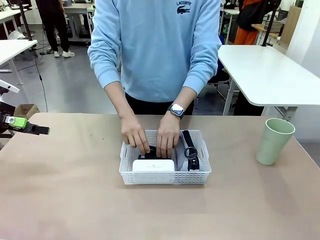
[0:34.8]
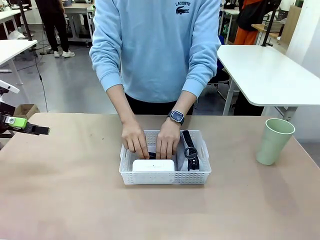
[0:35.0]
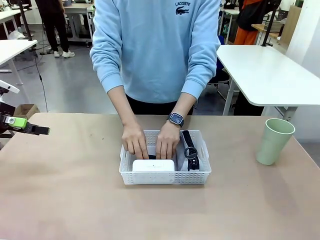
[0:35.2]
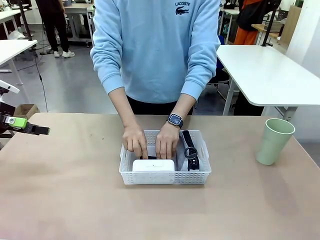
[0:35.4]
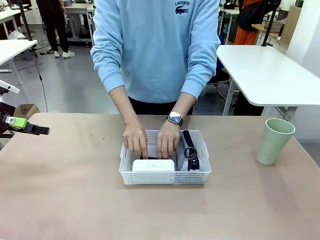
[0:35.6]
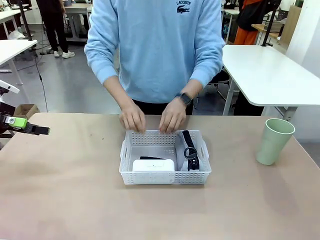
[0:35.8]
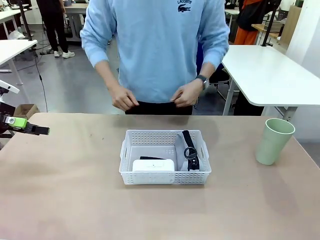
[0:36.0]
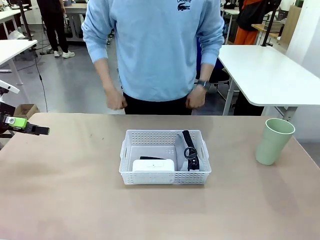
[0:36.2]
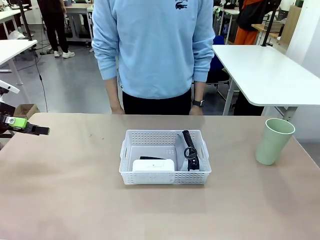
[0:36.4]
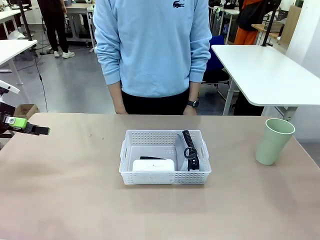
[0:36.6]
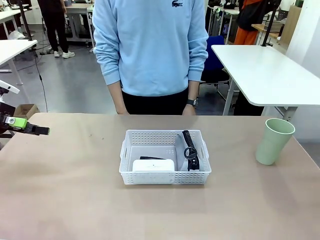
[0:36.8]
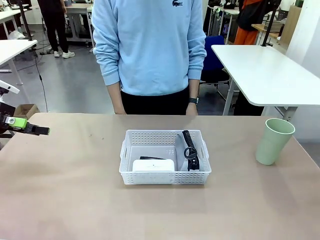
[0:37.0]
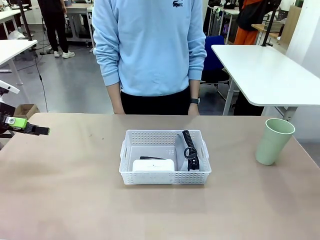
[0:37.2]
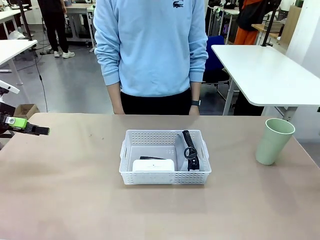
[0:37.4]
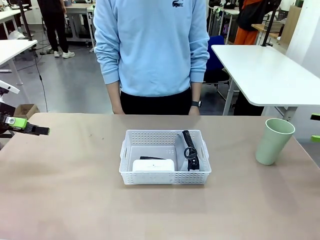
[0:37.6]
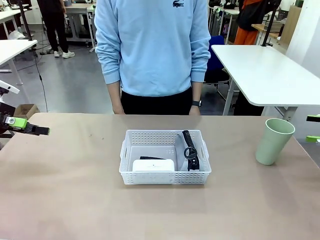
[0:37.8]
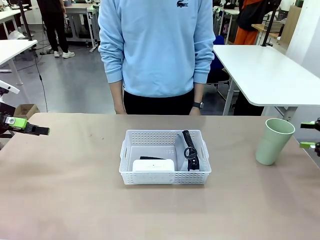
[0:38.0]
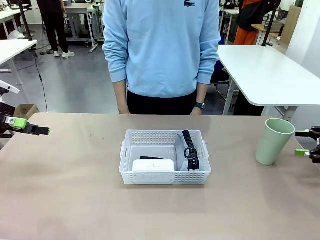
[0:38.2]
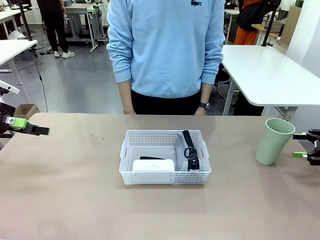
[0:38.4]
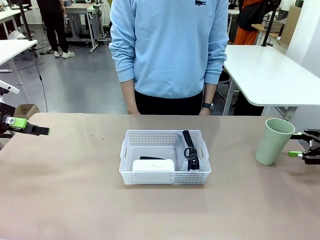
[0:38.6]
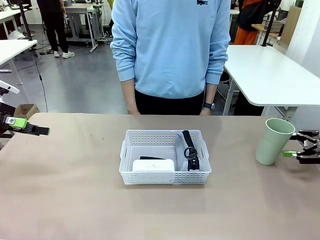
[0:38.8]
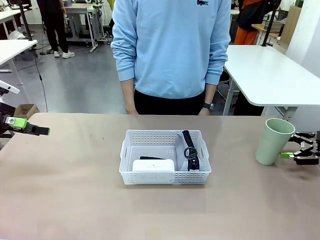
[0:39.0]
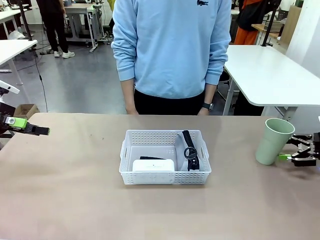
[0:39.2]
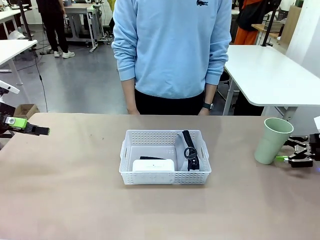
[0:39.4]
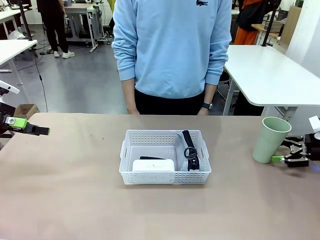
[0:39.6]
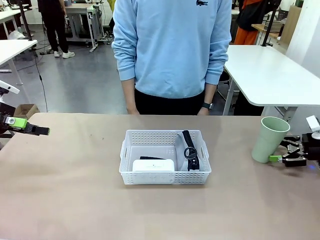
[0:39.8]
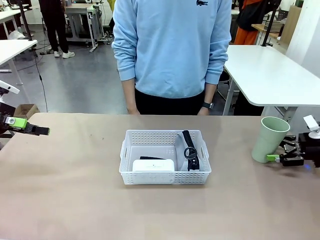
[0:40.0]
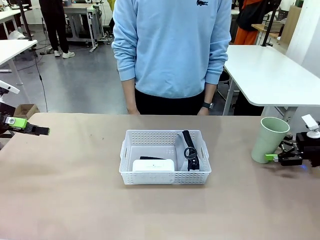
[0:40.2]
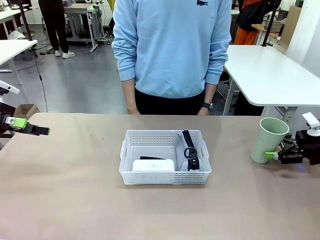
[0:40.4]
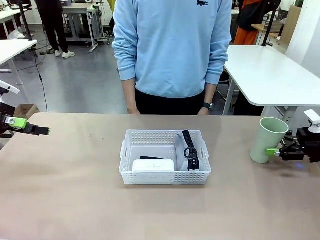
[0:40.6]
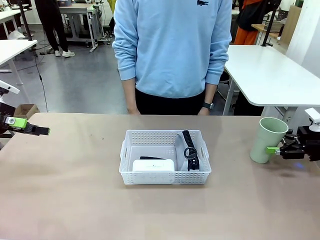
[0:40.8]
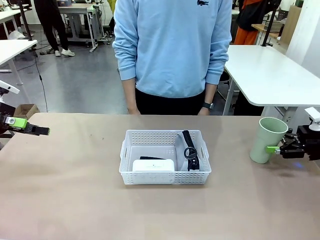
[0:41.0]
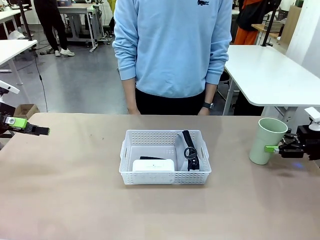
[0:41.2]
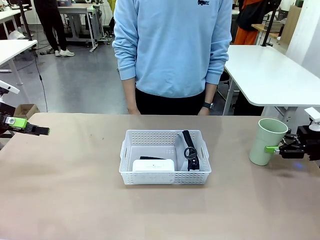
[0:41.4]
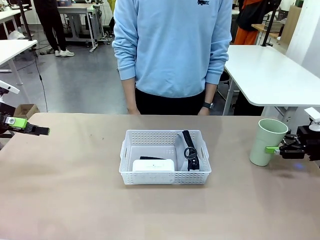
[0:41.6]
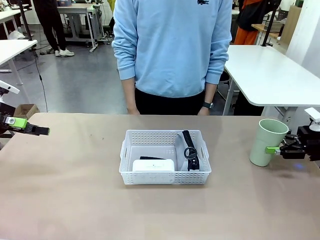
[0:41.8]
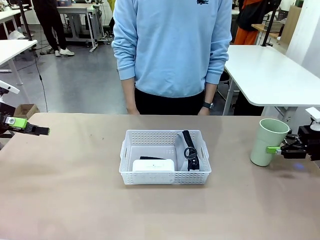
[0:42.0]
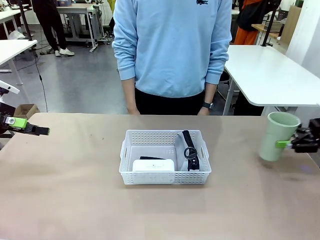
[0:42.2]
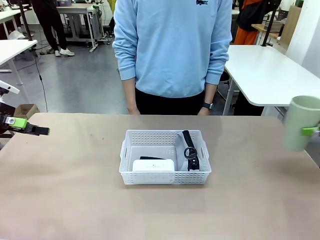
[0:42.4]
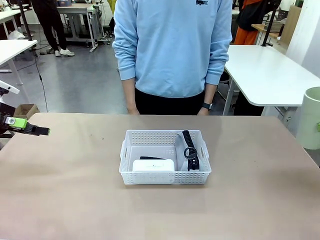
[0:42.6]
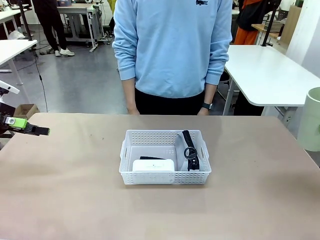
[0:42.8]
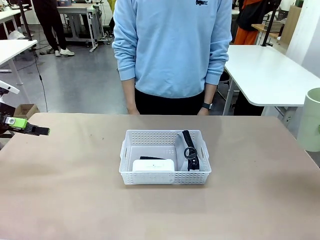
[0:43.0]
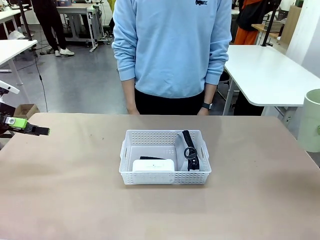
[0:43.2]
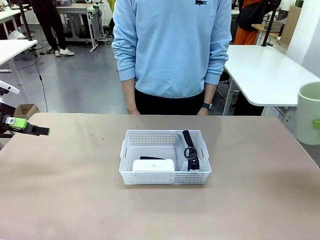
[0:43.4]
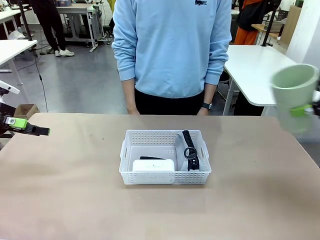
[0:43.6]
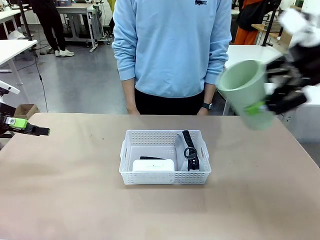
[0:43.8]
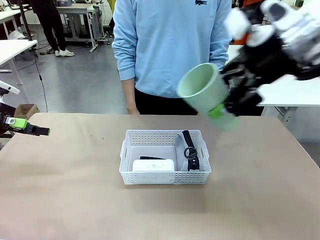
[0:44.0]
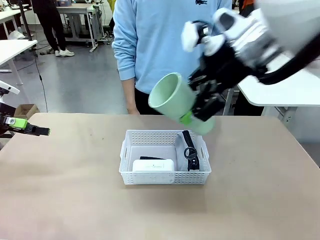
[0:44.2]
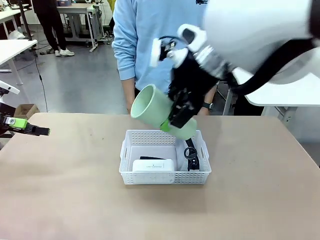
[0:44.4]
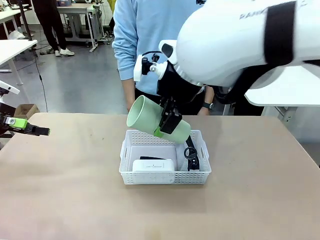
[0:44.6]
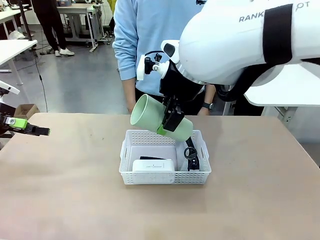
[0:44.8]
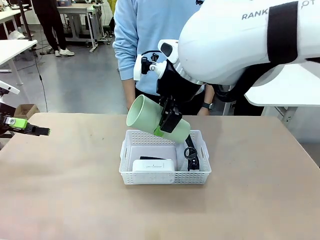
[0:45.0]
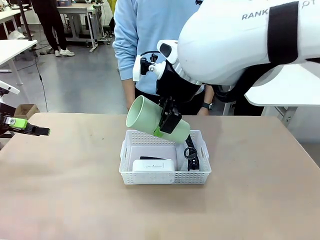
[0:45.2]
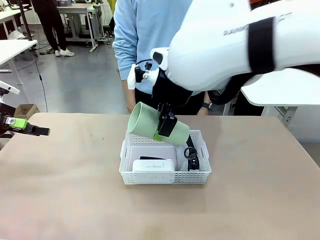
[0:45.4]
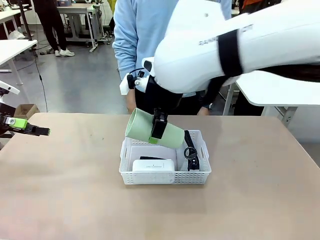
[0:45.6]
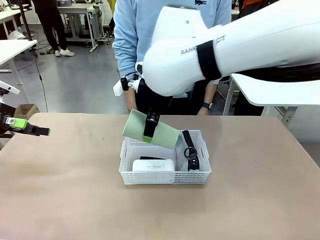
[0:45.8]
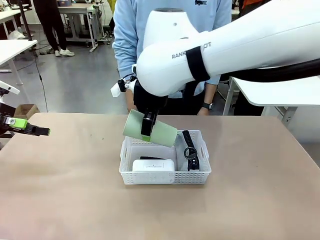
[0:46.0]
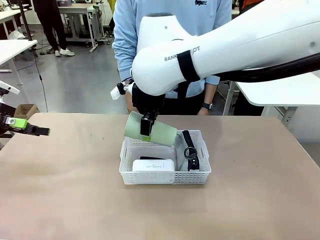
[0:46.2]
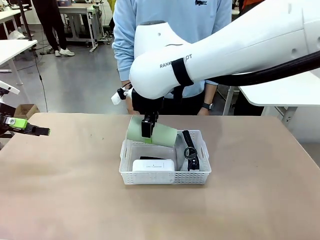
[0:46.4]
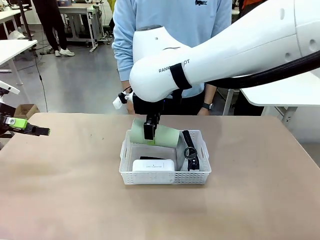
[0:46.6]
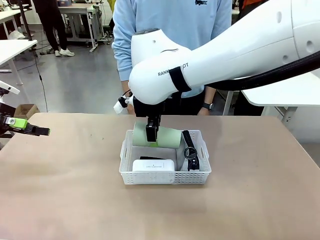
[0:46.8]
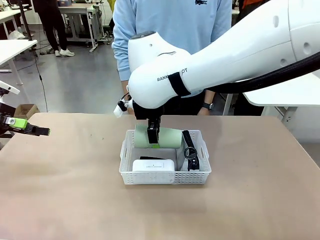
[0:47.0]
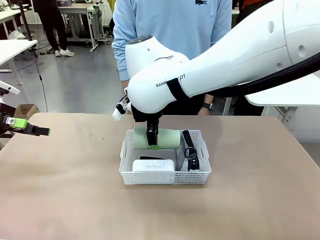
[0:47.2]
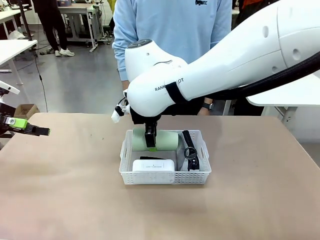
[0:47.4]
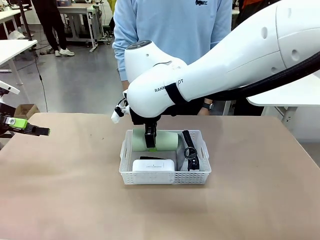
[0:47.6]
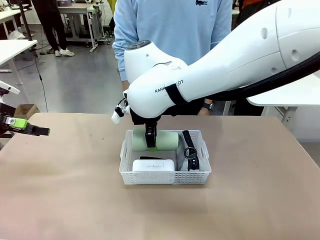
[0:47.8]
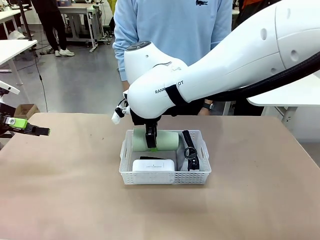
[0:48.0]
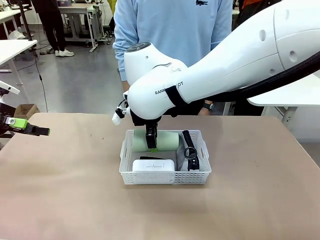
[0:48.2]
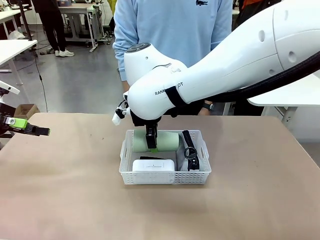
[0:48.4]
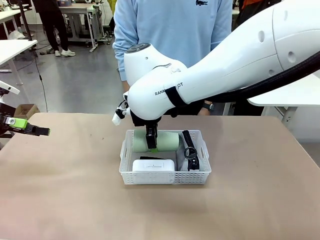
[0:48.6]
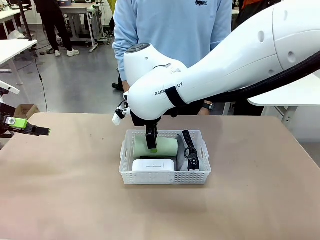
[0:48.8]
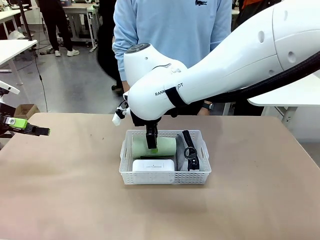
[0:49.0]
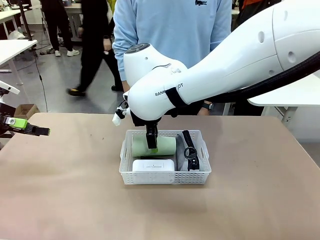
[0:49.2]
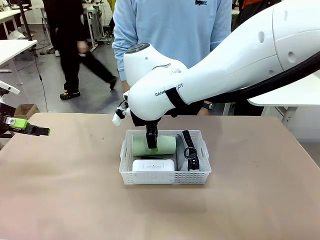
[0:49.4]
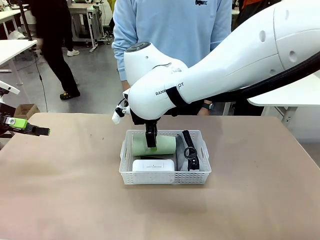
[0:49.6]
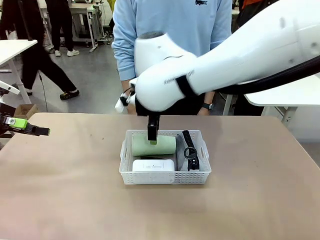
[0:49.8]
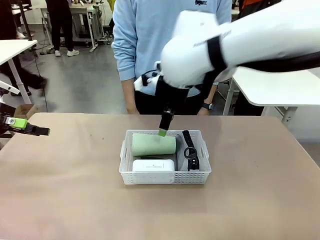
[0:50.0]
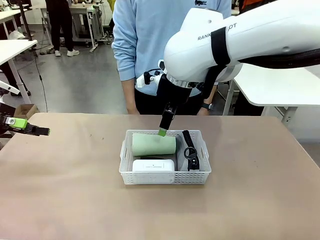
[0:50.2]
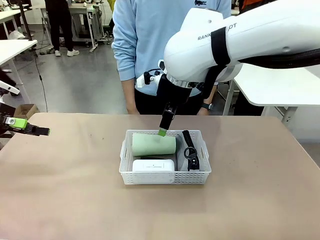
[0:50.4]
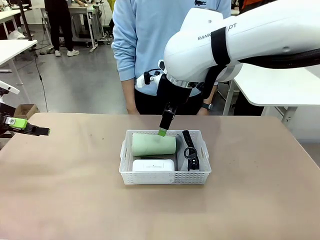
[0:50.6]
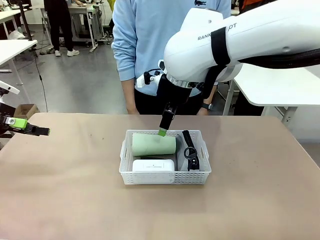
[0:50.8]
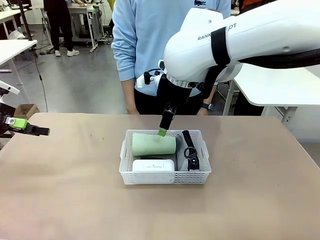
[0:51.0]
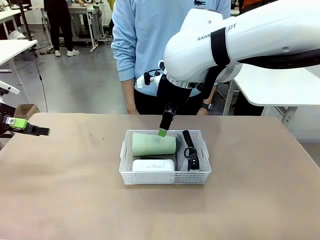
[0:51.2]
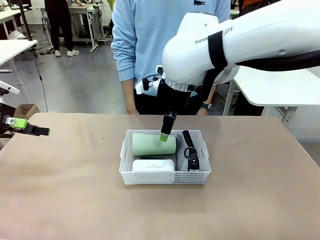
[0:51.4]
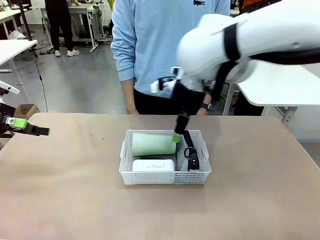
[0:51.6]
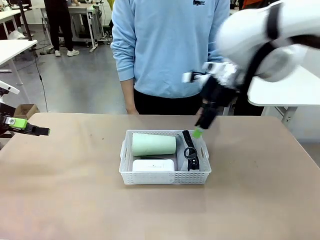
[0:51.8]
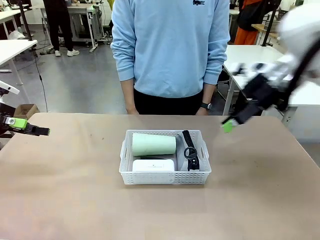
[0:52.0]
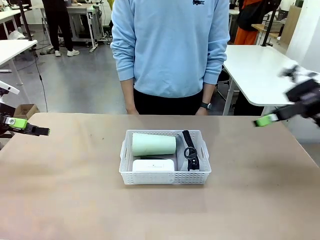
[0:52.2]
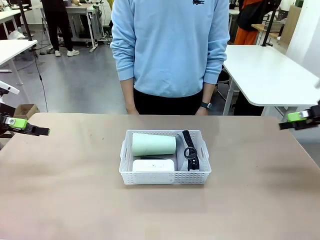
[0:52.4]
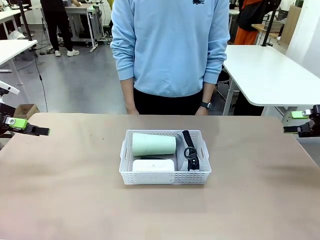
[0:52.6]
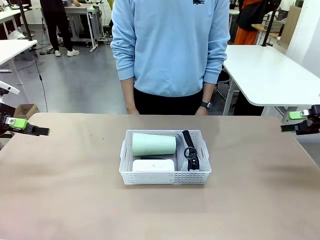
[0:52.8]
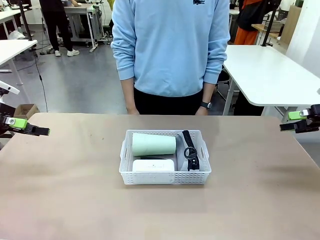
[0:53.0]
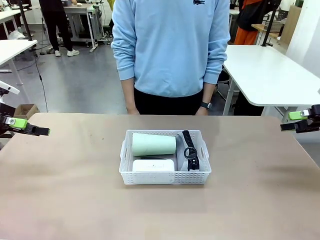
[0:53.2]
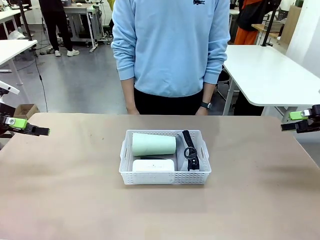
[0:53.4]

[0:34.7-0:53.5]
Task: Efficiently arrange items inside the basket to fit them all.
Robot: Pick up the Reusable plastic cup and place it inside the Organizing basket.
Person: Repositions the stapler.
